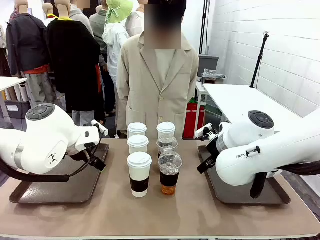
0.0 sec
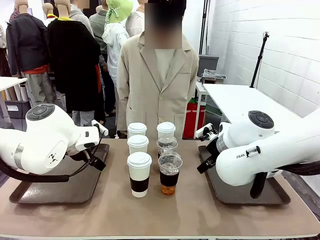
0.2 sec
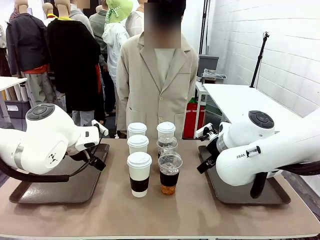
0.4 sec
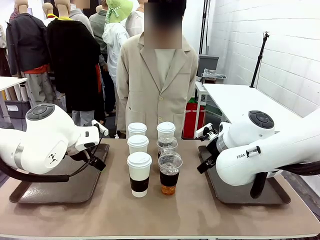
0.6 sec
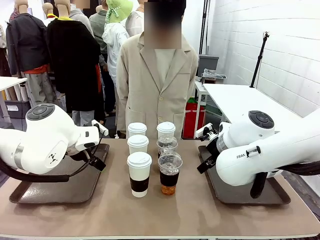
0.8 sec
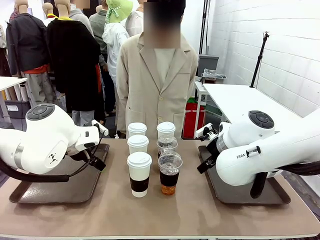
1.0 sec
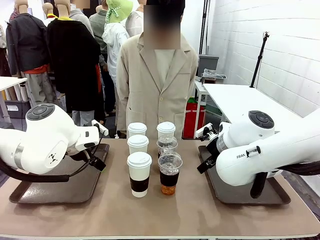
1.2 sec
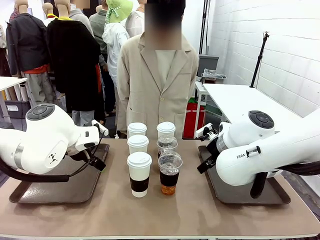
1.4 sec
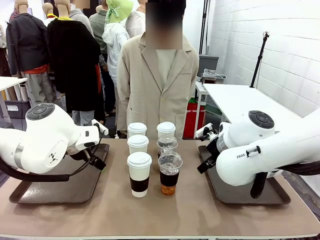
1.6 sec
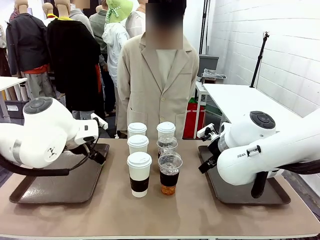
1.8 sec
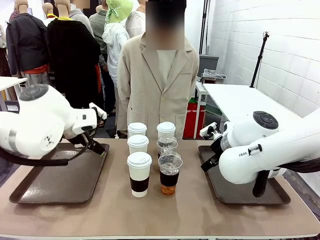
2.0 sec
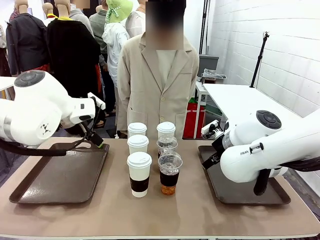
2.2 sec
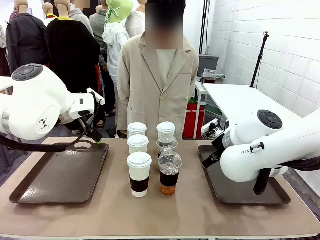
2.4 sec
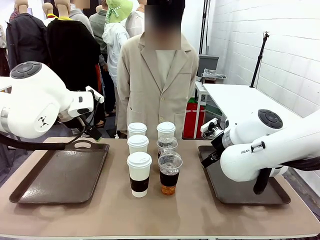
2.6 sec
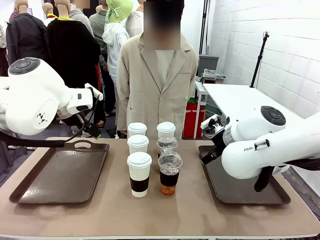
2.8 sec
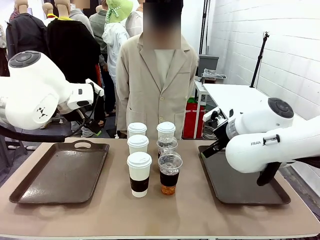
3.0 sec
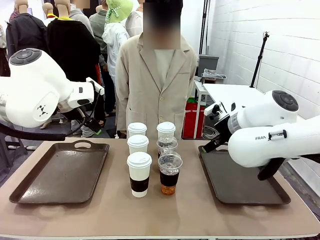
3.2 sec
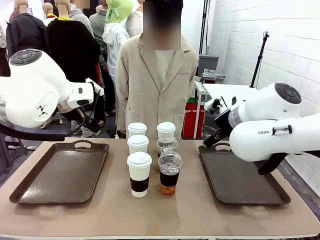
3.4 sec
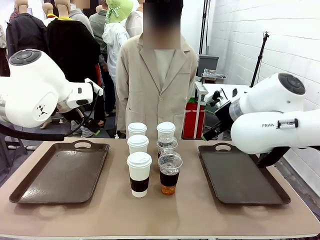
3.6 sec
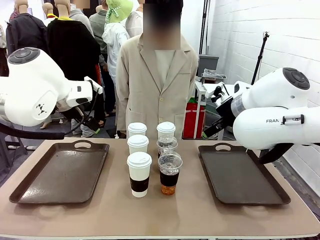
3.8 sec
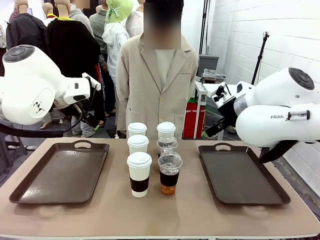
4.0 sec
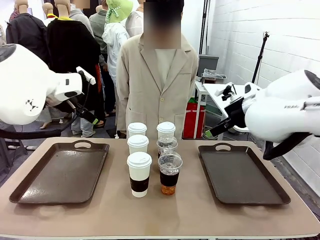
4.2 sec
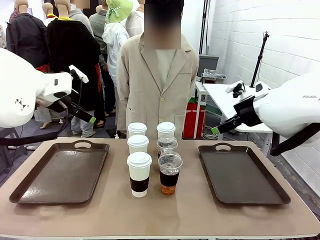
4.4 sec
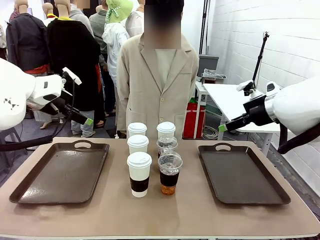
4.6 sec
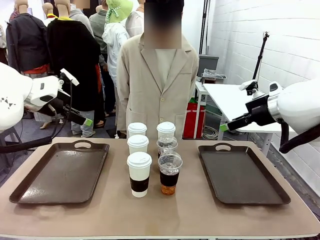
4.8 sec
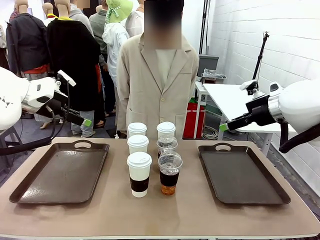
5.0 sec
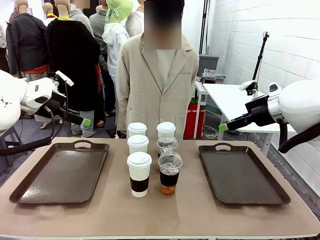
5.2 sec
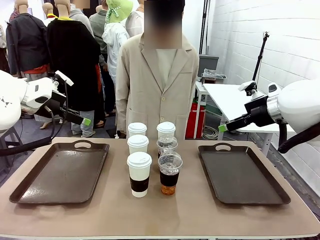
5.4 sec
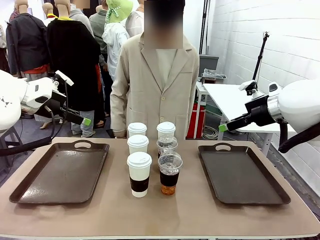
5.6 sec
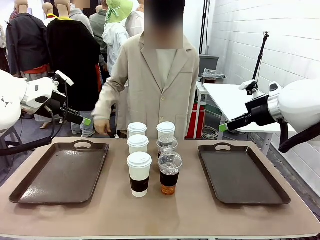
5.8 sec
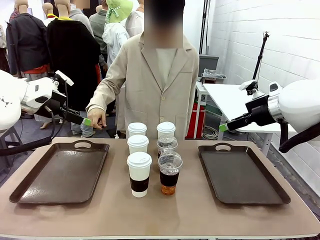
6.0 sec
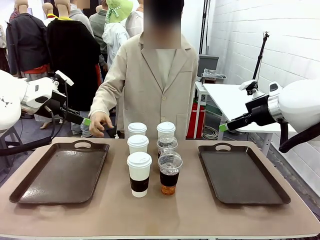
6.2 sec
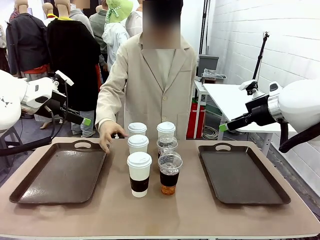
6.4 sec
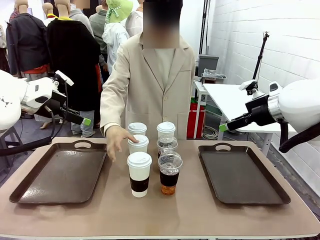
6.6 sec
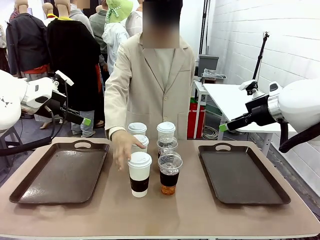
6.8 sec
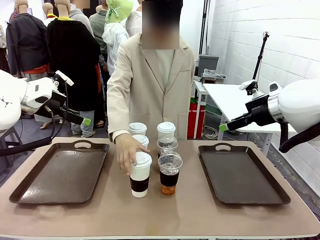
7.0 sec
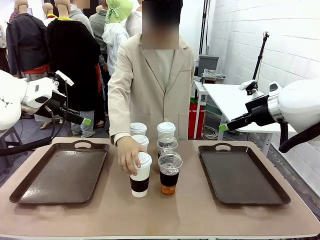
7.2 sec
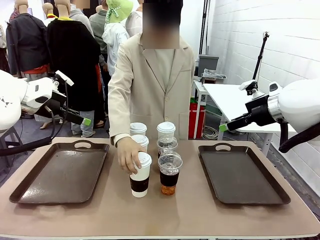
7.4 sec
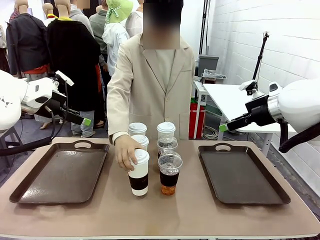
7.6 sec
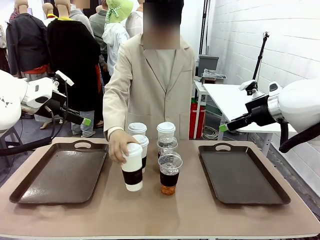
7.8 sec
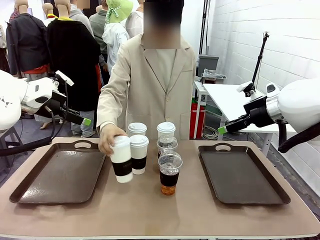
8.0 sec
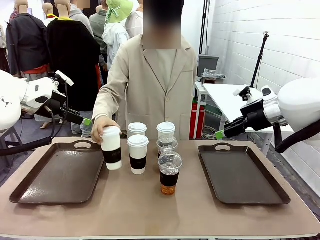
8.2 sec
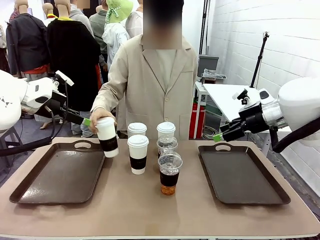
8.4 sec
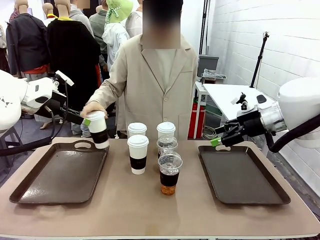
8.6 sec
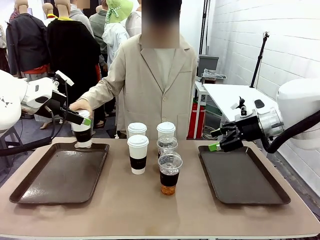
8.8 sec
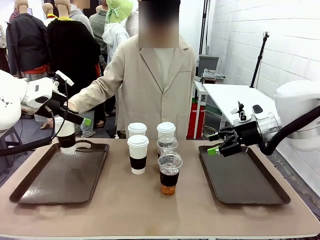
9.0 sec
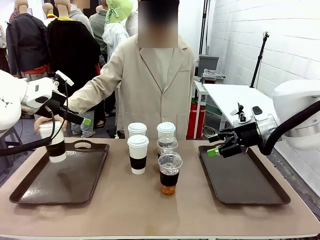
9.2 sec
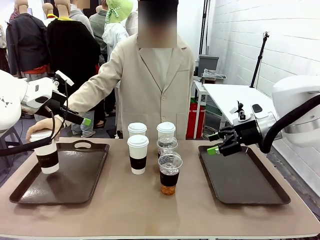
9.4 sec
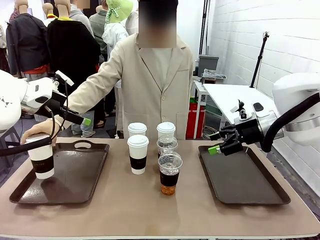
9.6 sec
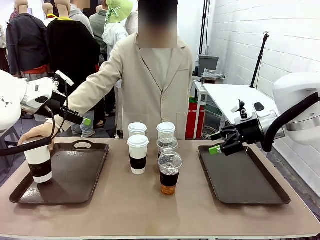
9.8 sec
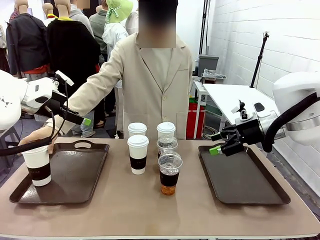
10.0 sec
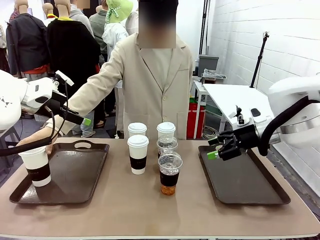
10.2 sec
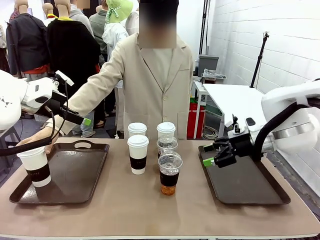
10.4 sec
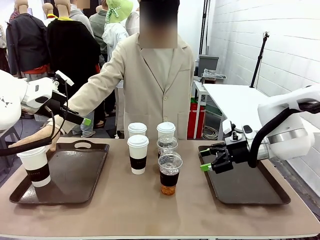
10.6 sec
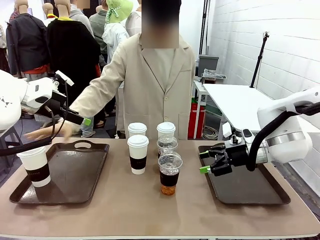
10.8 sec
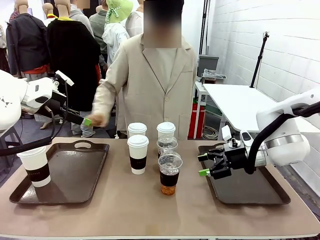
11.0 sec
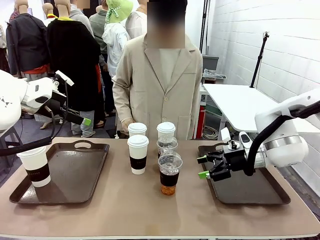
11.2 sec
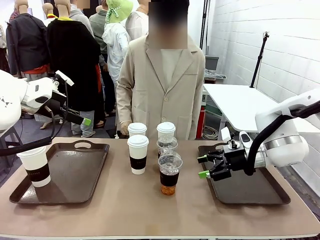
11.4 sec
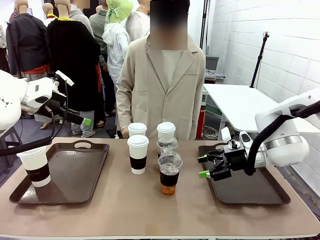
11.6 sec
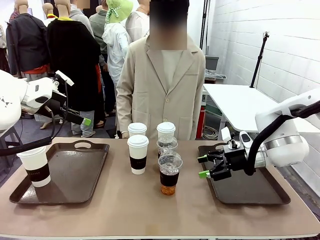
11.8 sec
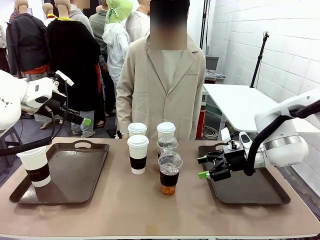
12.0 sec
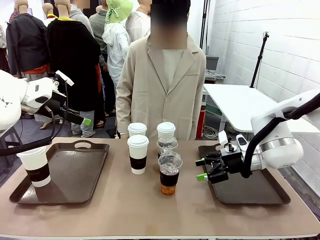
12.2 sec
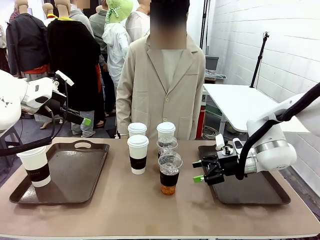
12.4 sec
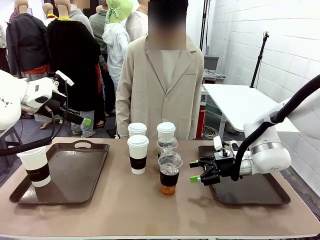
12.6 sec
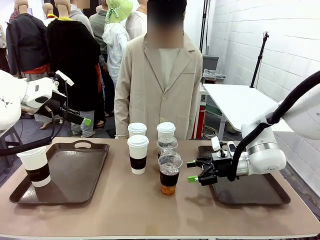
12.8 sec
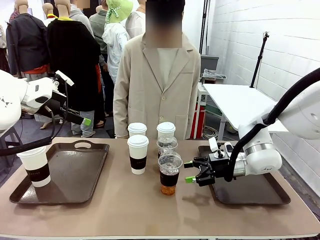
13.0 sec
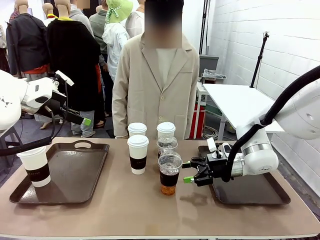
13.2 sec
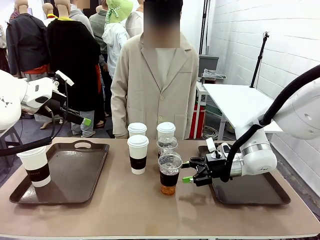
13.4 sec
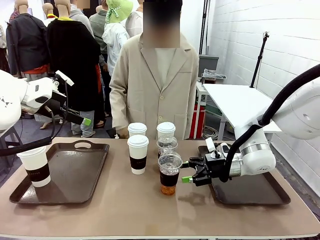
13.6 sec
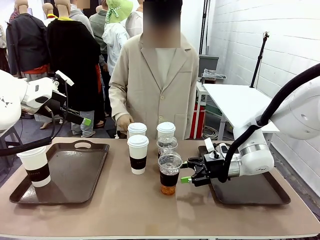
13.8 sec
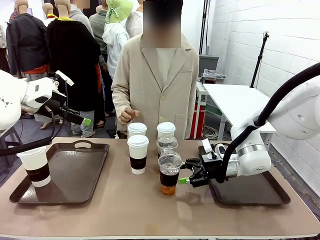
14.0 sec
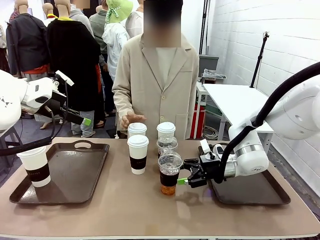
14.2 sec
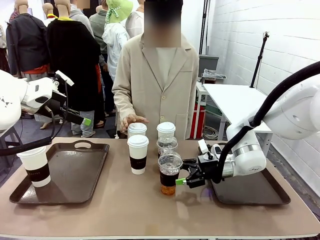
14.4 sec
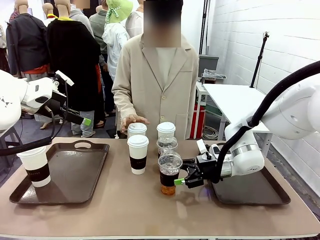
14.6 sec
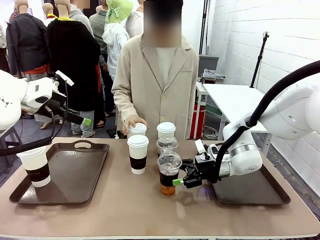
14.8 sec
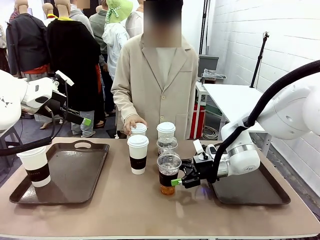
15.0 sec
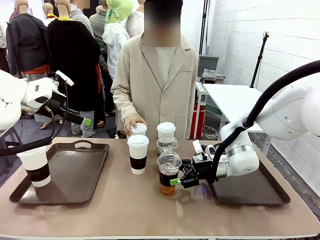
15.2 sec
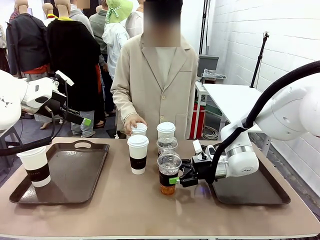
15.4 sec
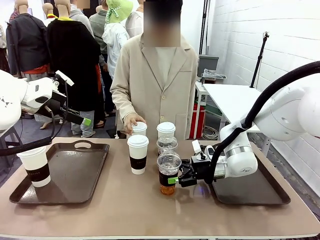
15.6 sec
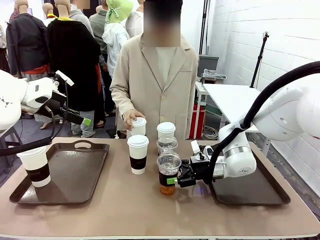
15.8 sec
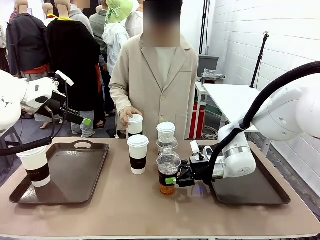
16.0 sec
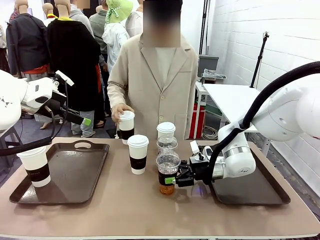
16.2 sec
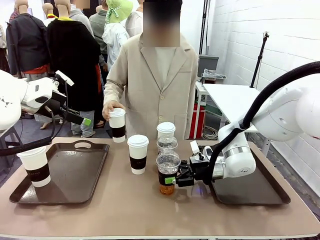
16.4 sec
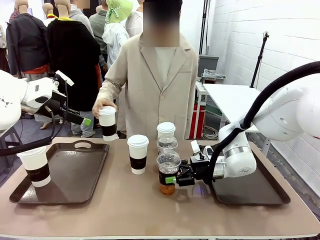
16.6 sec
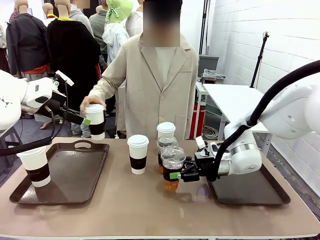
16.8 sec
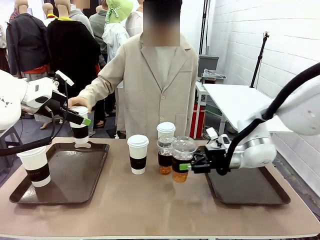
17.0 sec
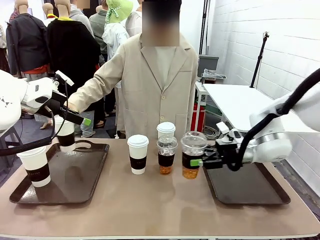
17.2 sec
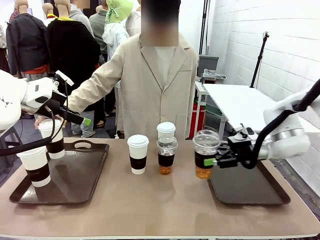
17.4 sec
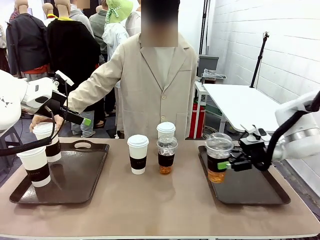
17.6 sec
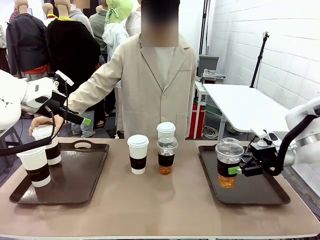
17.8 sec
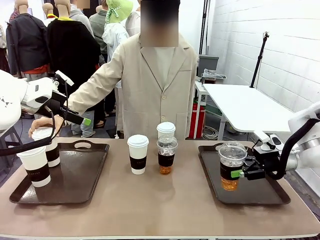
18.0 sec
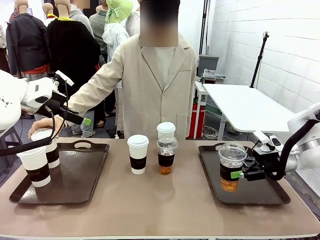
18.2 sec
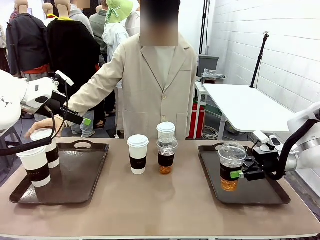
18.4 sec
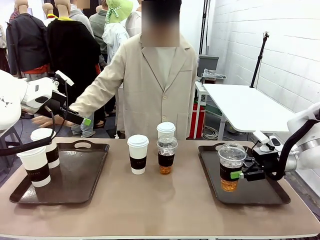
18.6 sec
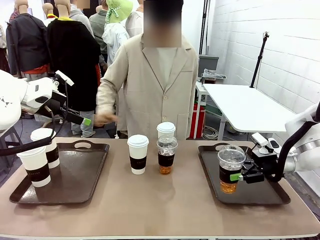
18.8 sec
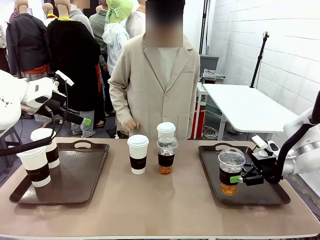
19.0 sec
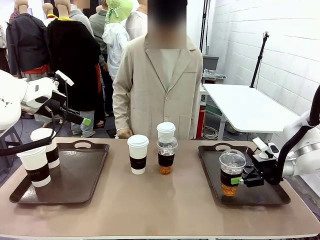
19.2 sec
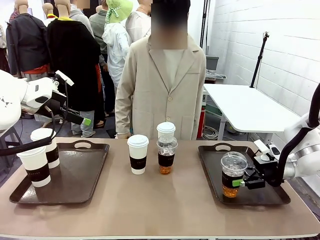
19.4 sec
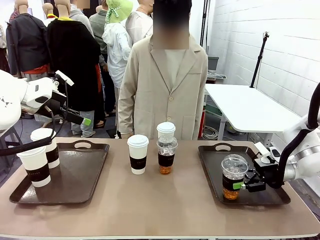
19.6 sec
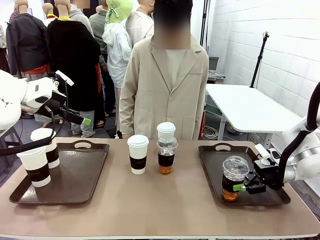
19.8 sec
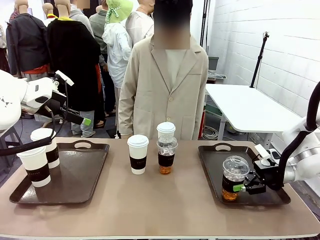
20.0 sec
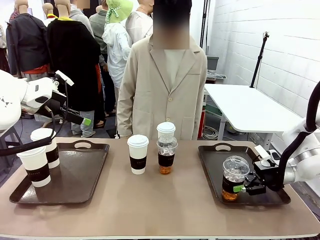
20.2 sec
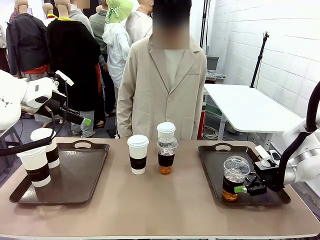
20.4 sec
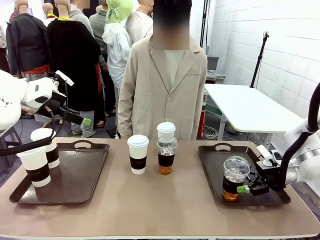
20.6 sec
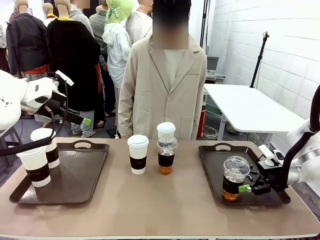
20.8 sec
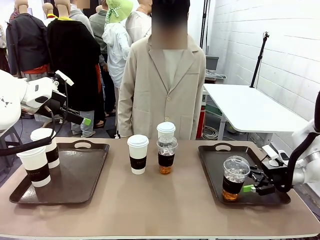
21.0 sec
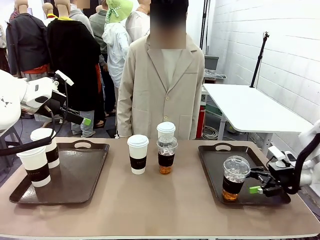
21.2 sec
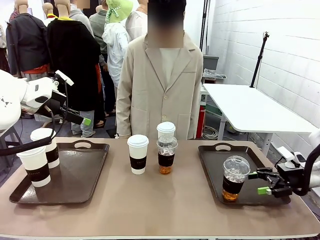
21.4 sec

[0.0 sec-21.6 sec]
Task: Distribute the coffee onto the tray.
Robot: Pick up one iced Americano and place it on the right Handle tray.
Person: Pick up a cup of hot Americano and place it on the right tray.
